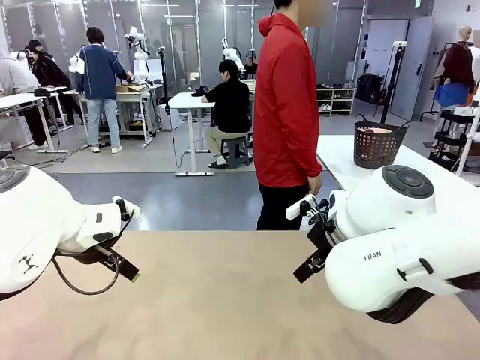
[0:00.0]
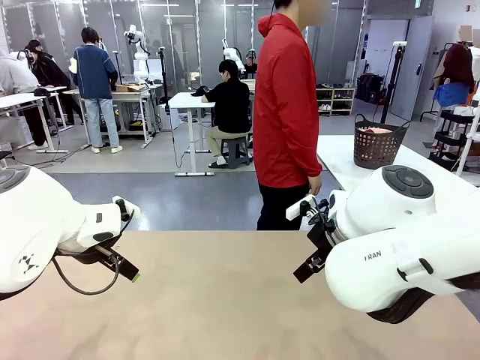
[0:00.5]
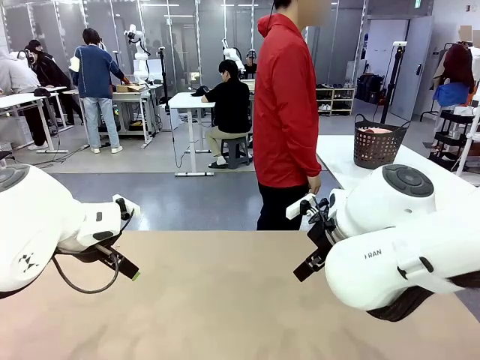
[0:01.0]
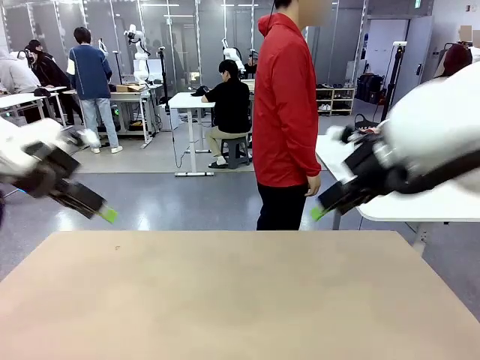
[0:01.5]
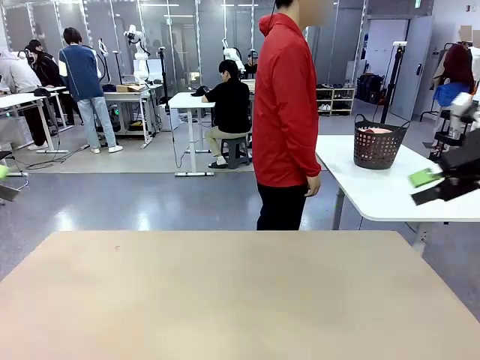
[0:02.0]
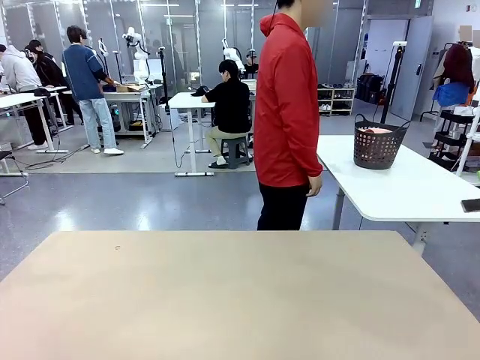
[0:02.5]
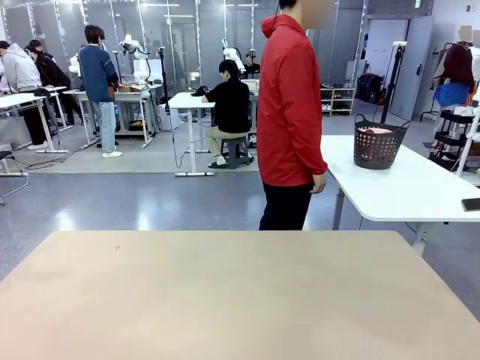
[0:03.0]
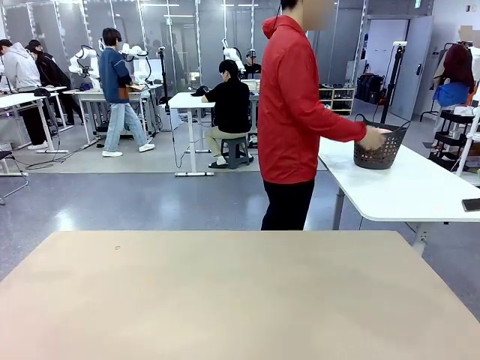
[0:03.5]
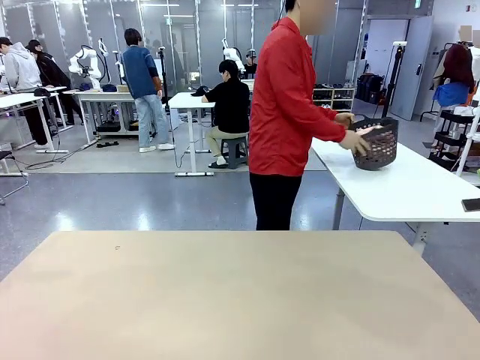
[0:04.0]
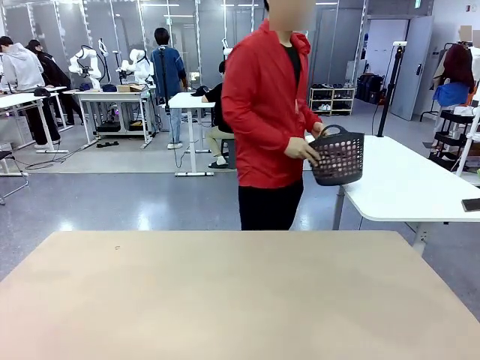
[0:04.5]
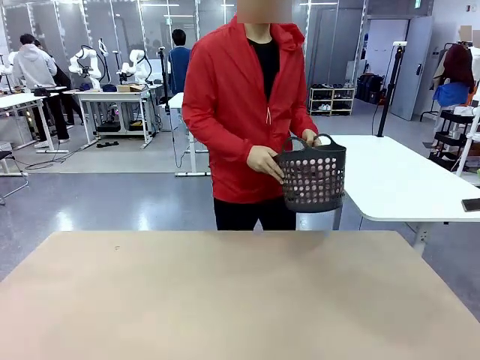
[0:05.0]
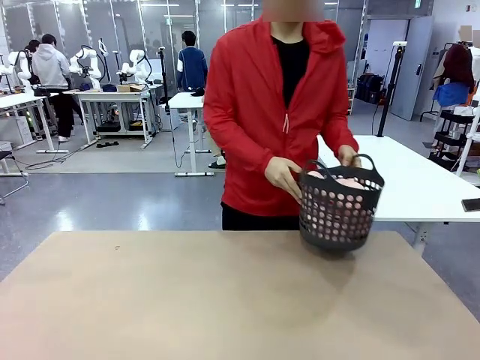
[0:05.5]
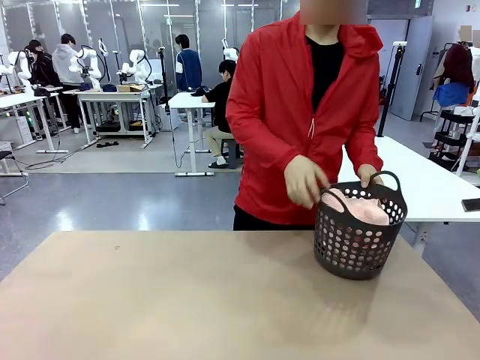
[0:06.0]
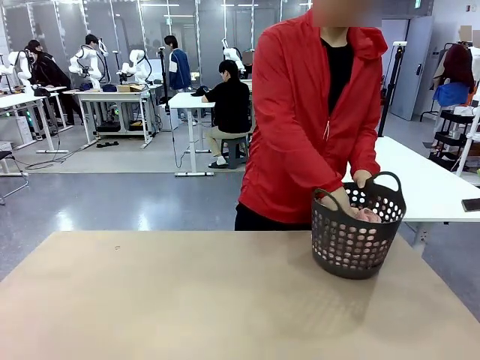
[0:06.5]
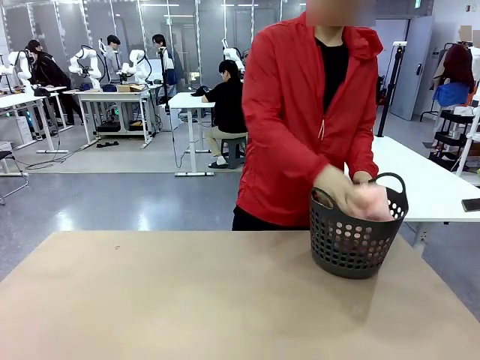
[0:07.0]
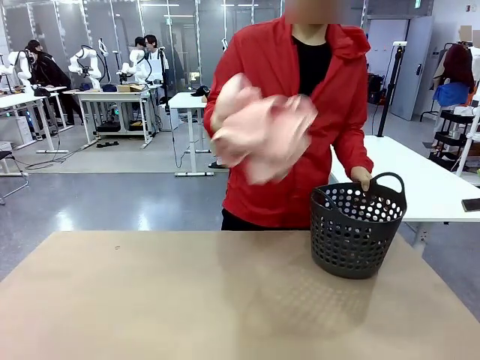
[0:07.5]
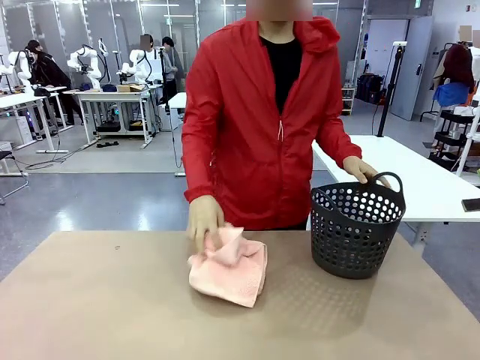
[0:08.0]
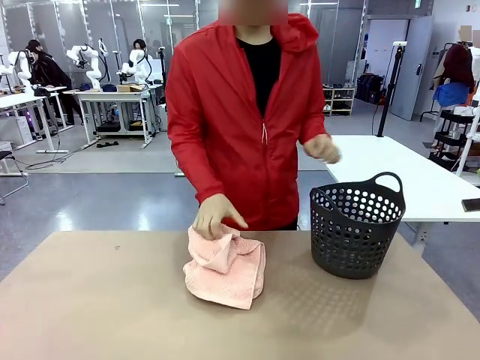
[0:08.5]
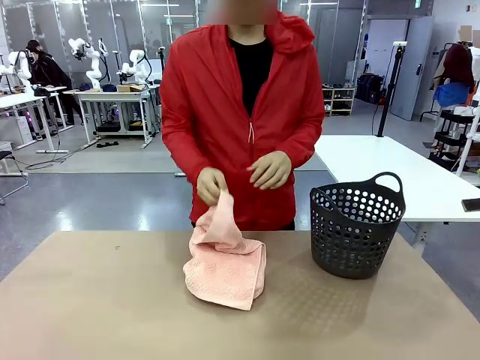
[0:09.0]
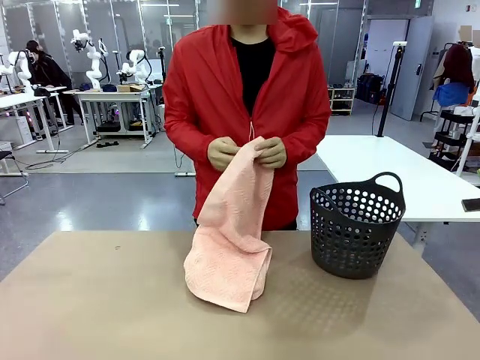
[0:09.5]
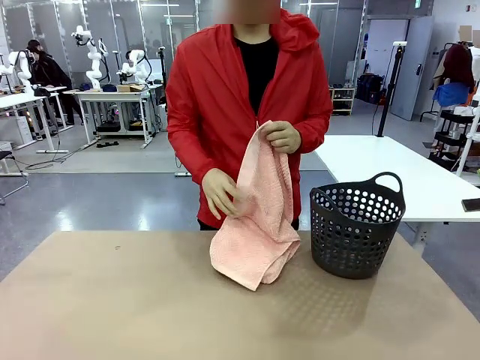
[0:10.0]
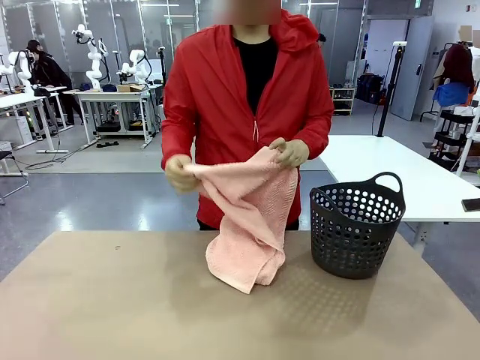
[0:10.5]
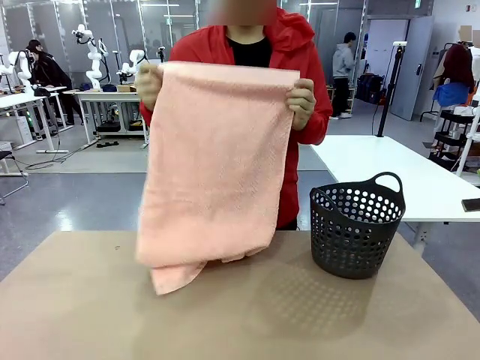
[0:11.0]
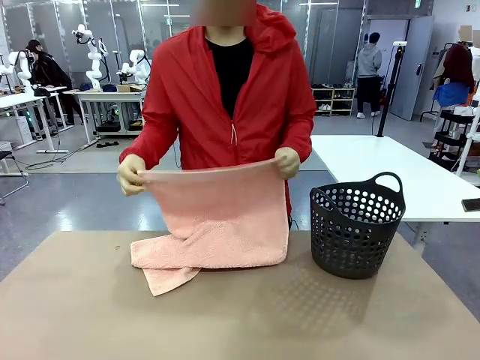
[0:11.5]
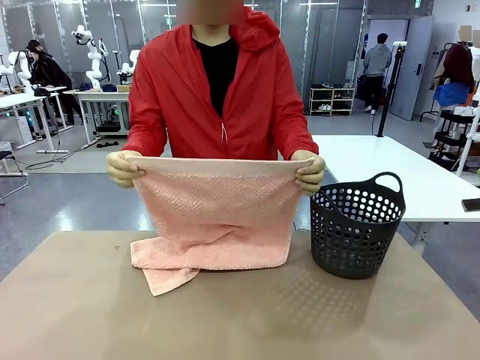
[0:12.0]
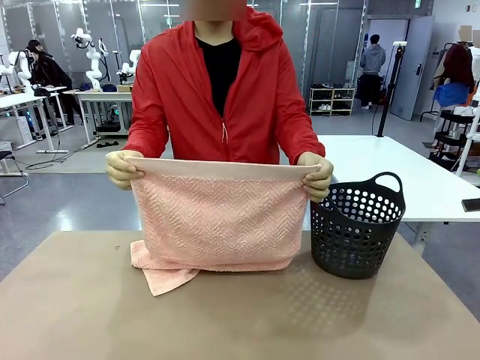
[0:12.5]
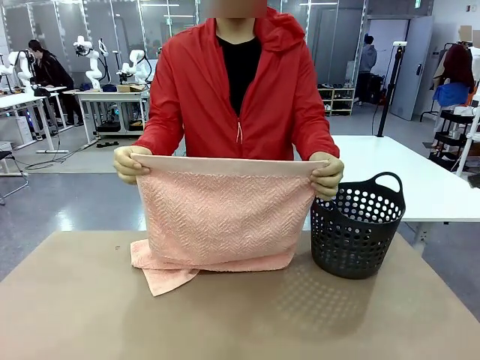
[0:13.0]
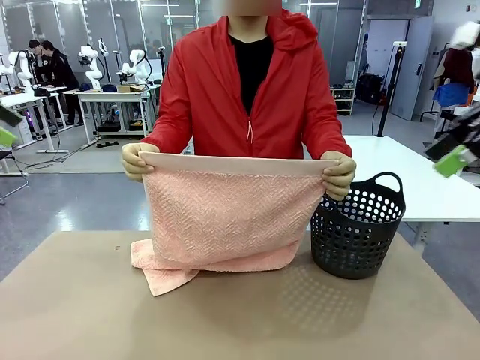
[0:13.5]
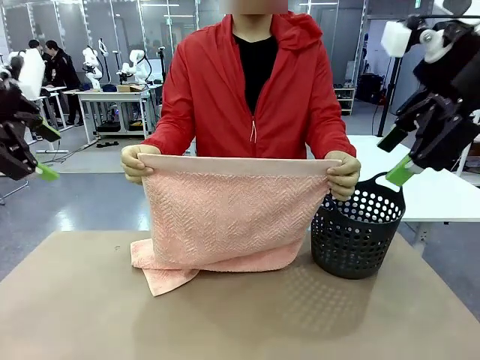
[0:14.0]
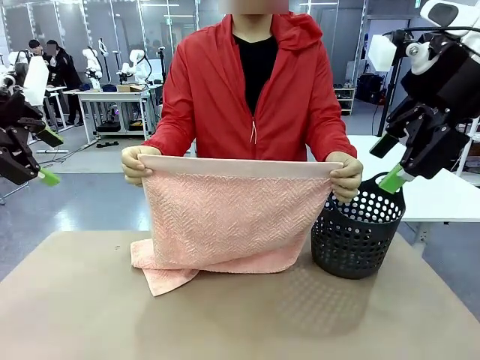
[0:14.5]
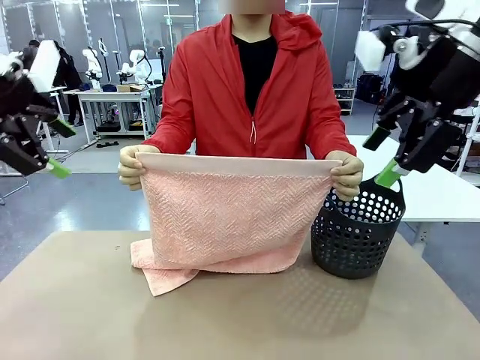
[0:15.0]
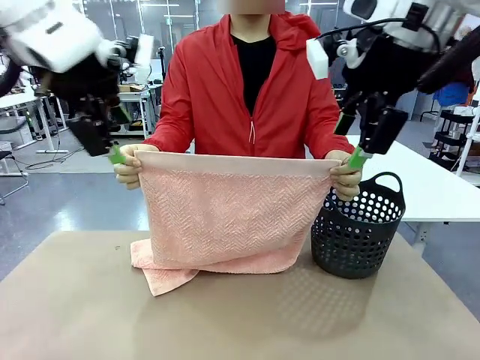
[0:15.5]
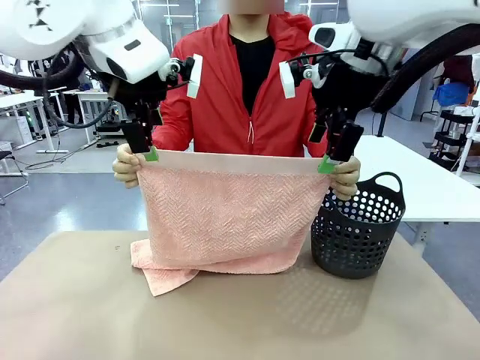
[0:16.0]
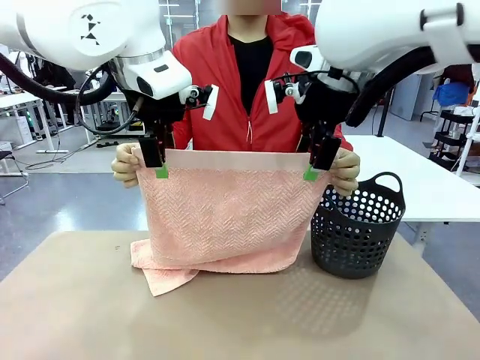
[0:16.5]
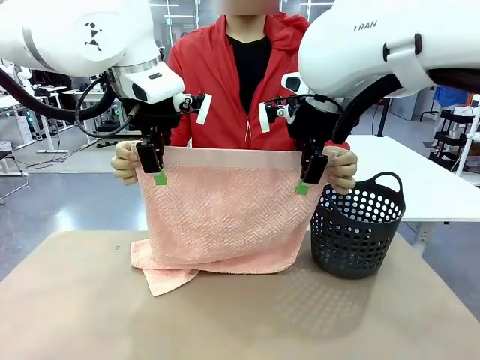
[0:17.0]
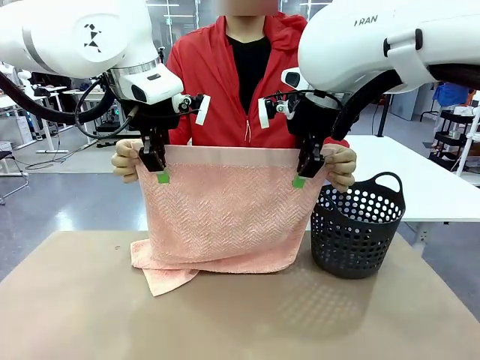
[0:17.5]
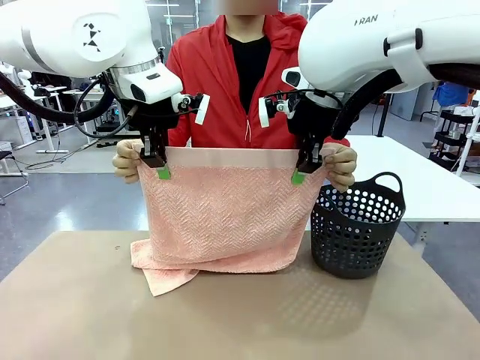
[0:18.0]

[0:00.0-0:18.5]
Task: Fold the towel.
Robot: Grab the top end of the 100 cm Hotel Towel extended by the human.
Person: Pick up the laundry basket, place it on the left side of the robot table, then take out a towel and hand it to the robot while holding both corners of one end.

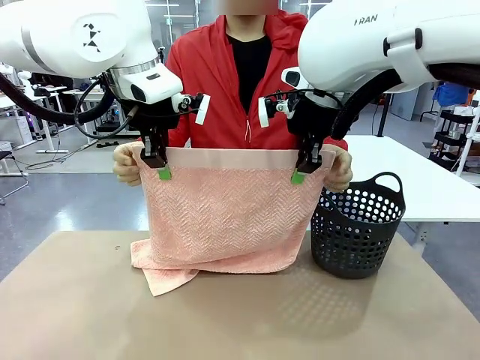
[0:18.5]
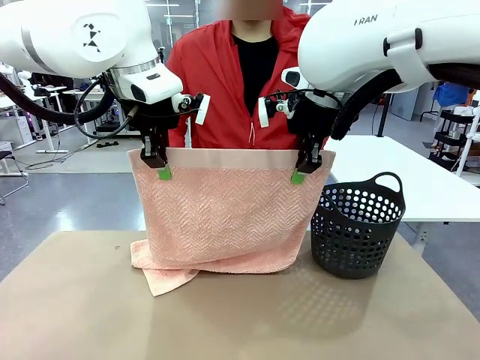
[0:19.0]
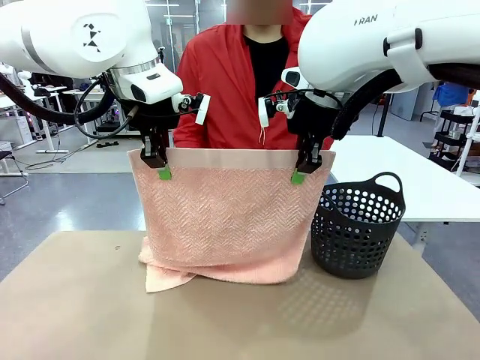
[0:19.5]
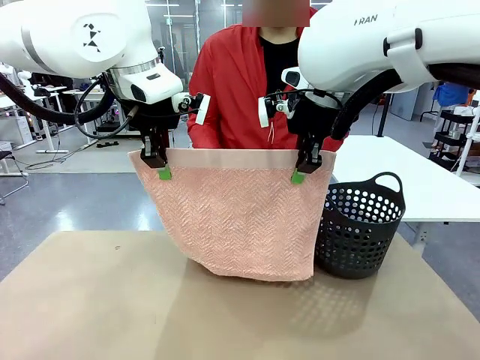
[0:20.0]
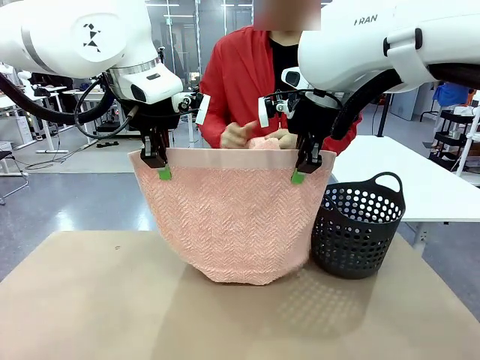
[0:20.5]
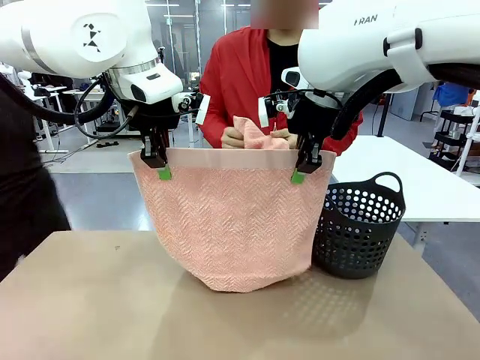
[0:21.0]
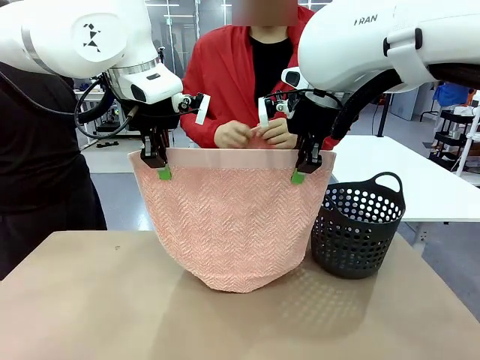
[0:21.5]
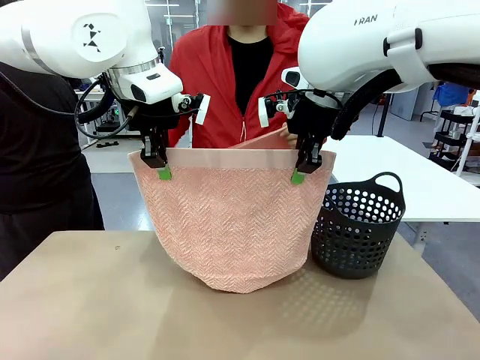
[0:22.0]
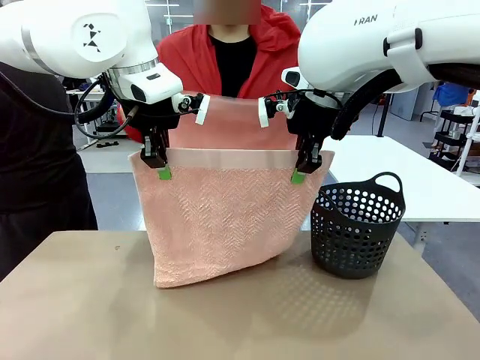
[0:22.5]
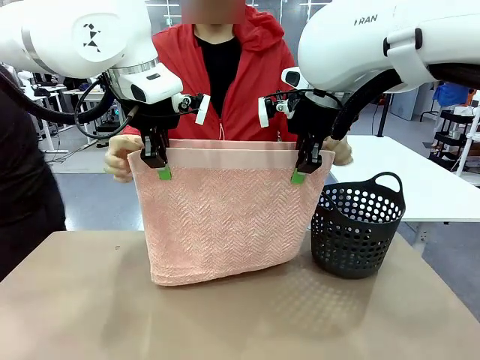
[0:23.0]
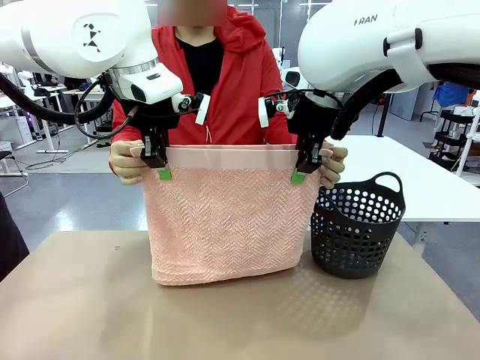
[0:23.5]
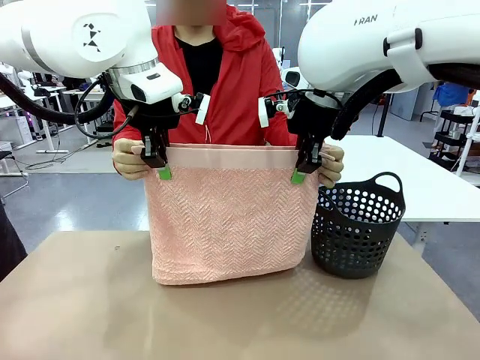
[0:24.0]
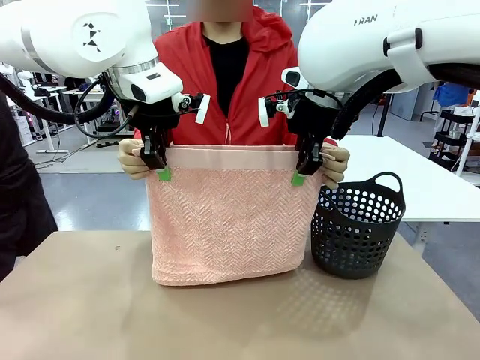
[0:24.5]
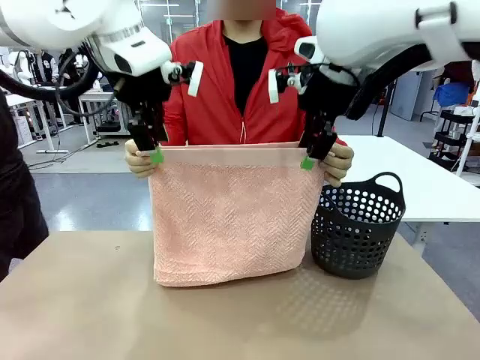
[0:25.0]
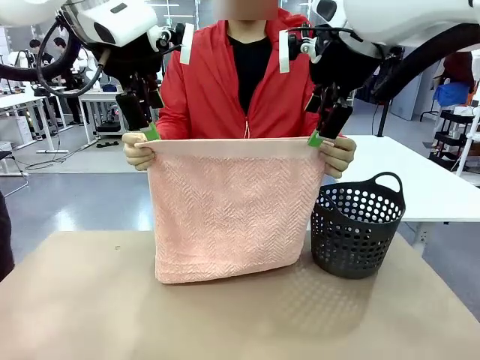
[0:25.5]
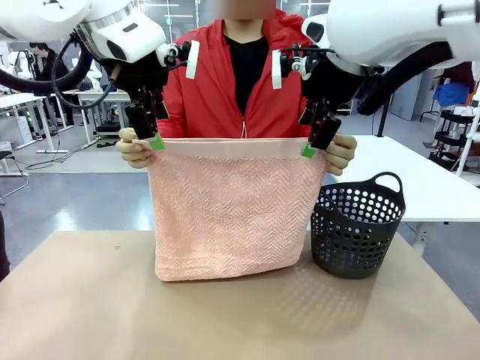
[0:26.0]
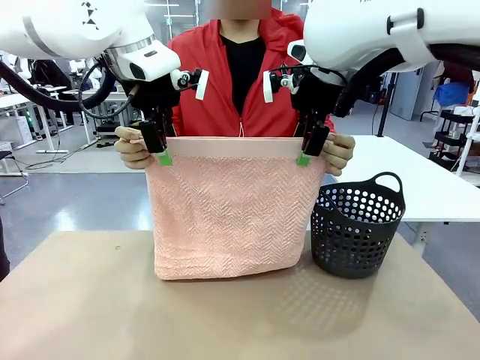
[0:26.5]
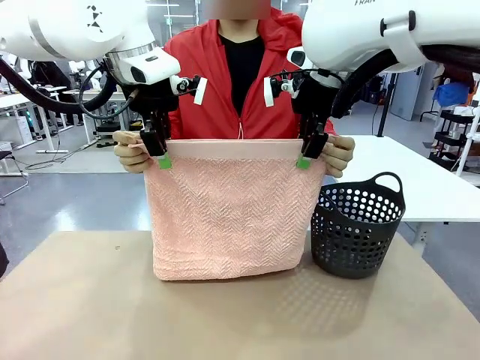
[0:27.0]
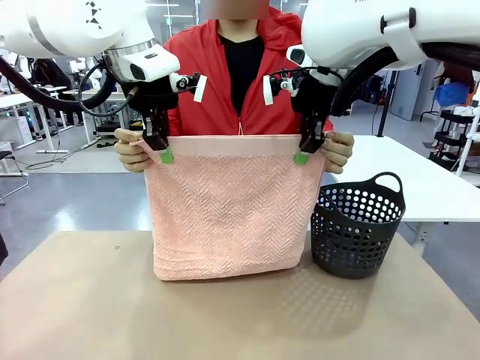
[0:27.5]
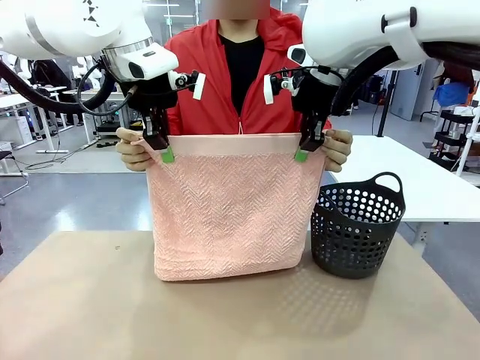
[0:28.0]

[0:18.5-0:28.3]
Robot: Release the end of the 100 cm Hotel Towel you were holding and grab the top end of the folded side.
